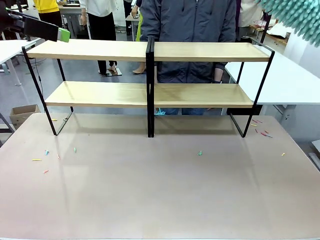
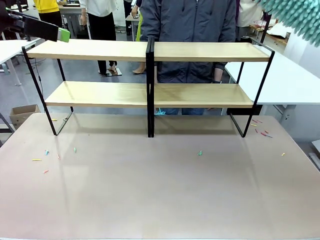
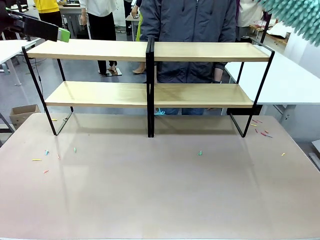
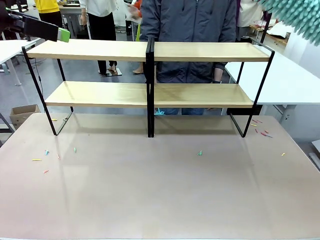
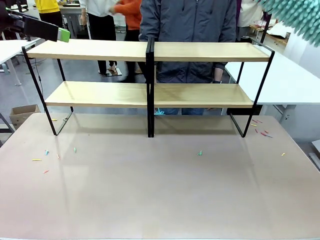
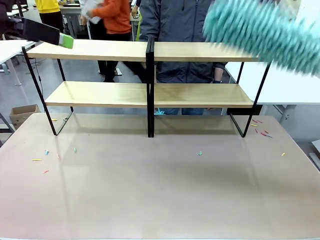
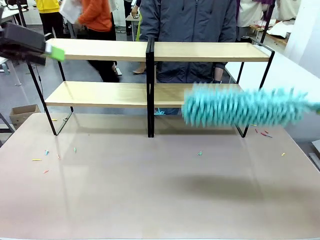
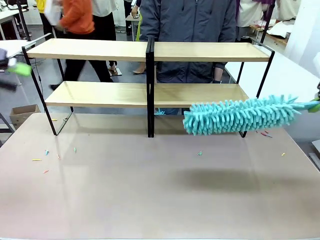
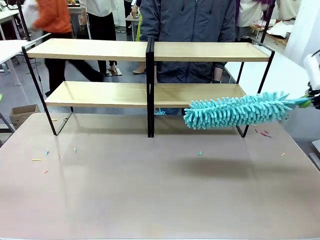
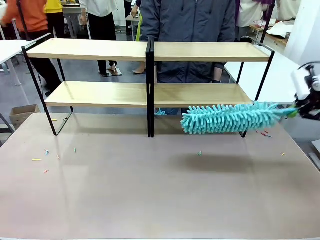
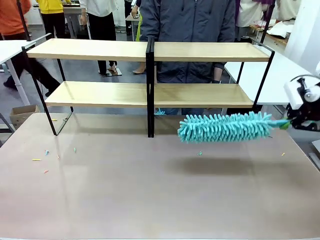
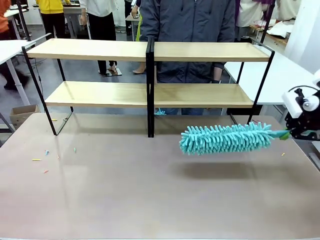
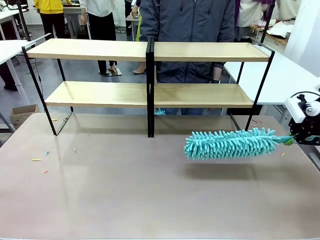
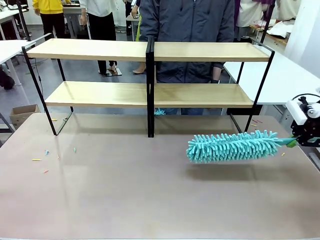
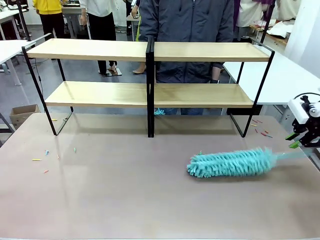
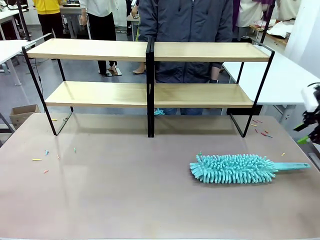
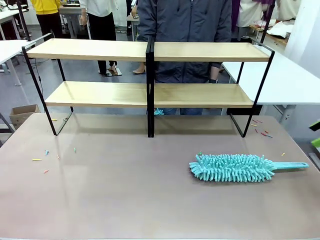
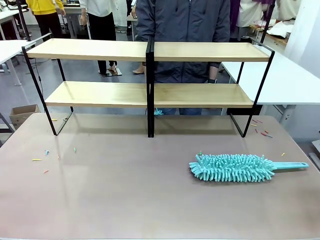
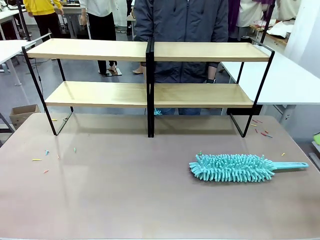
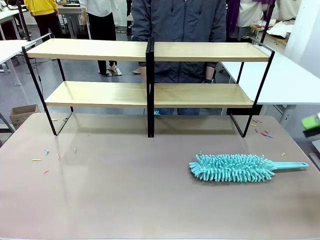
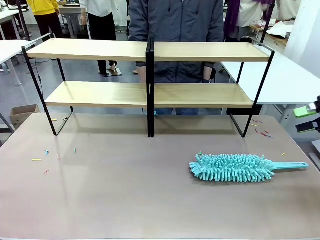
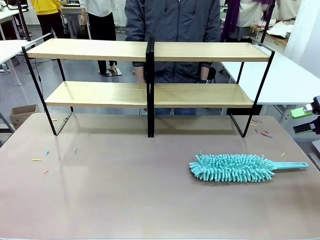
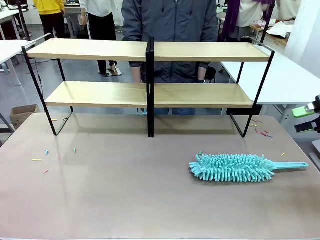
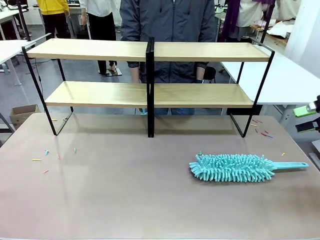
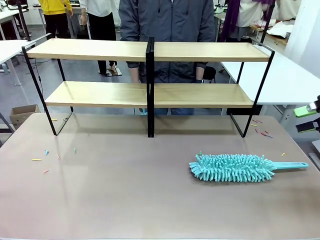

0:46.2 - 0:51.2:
Task: Clean the shelves.
Robot: Place the Duster on the table.

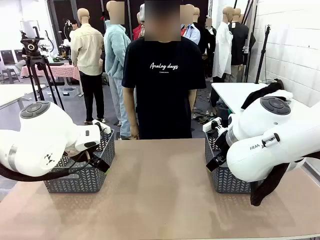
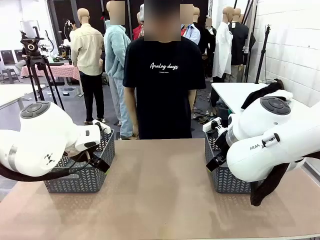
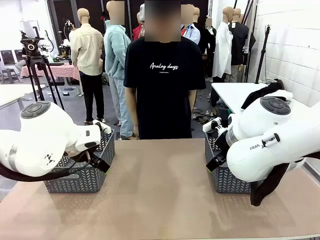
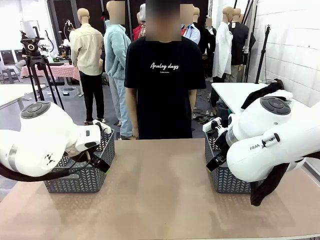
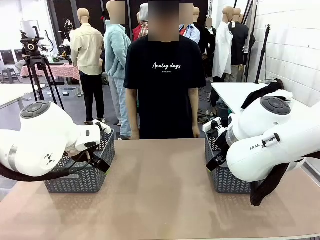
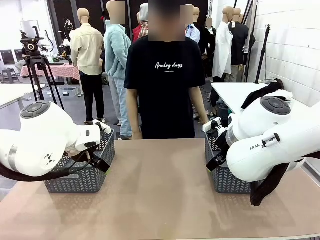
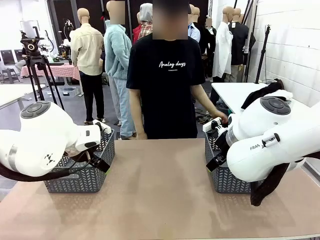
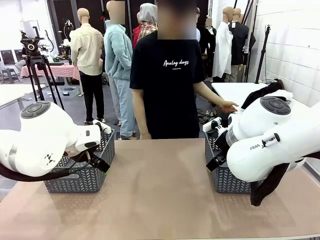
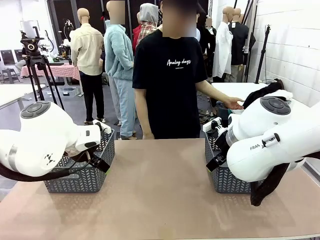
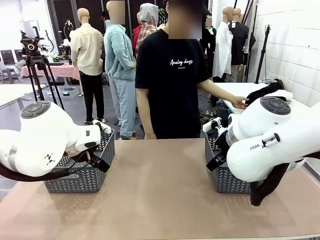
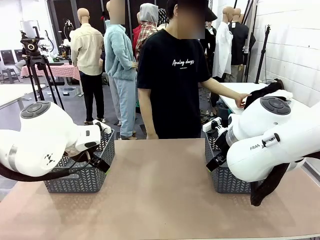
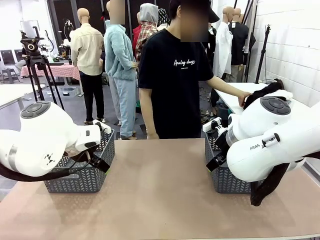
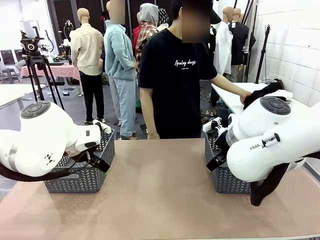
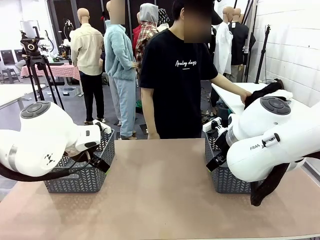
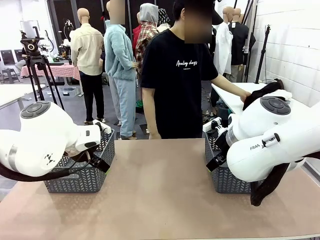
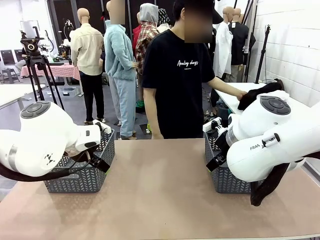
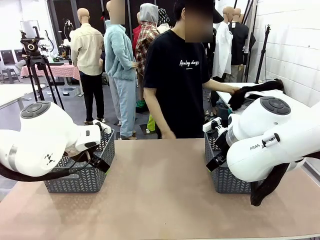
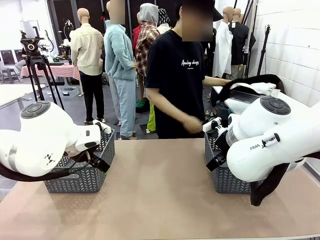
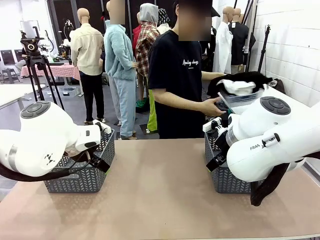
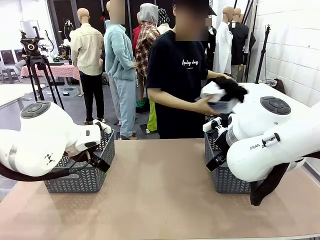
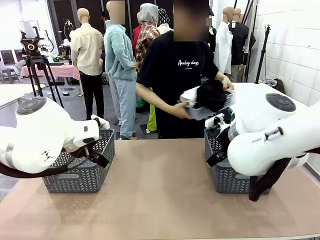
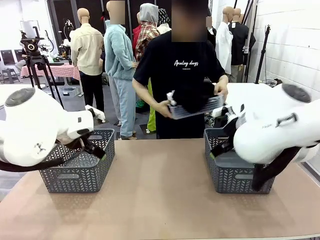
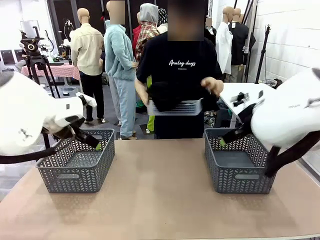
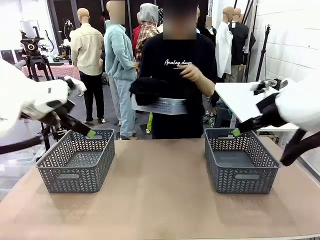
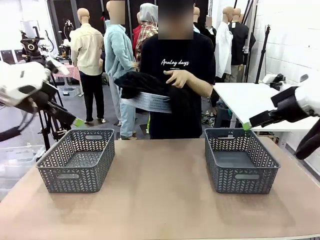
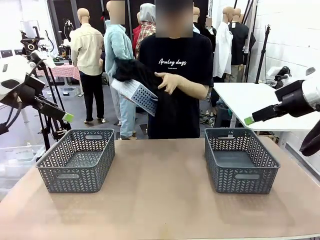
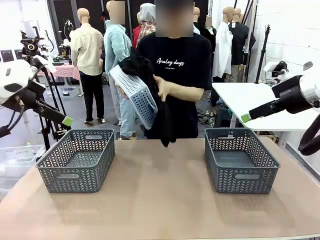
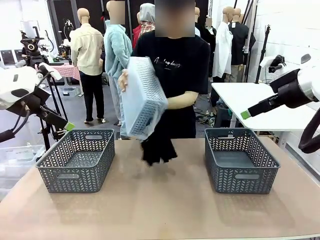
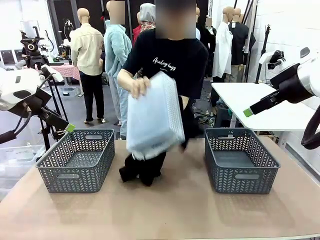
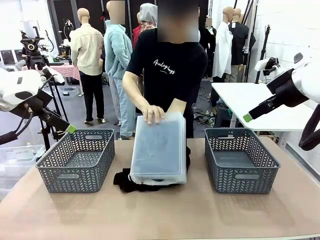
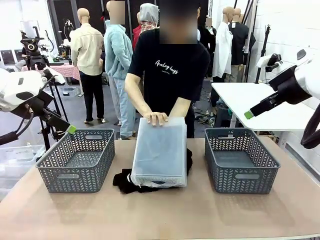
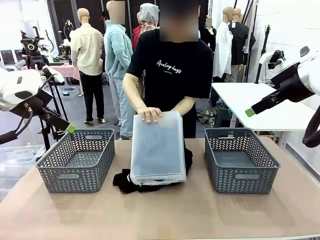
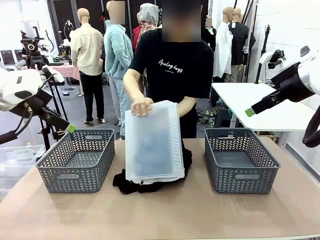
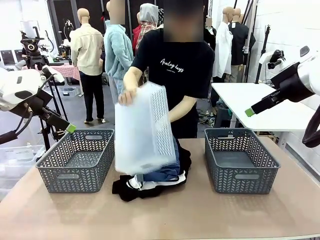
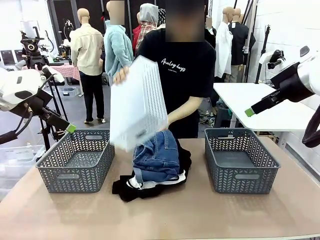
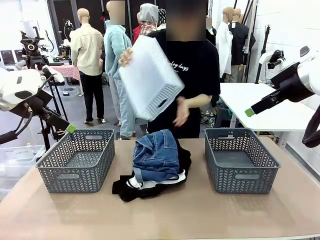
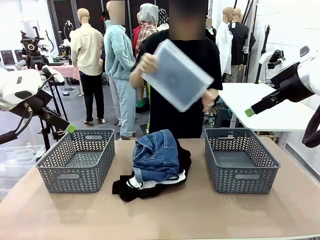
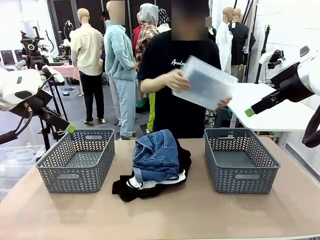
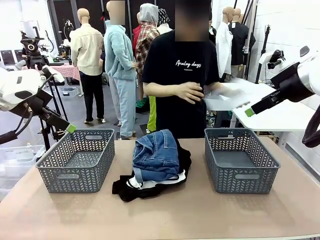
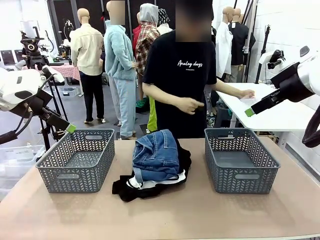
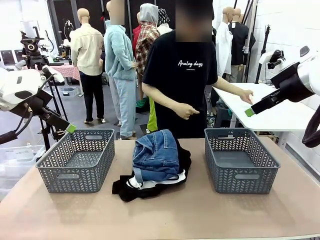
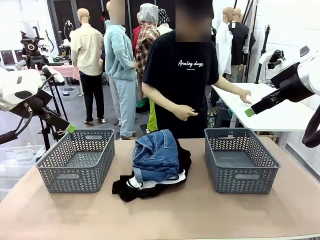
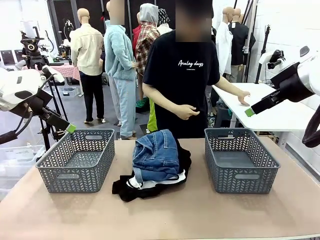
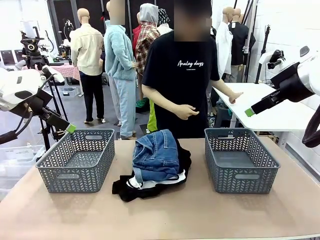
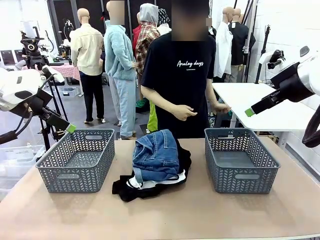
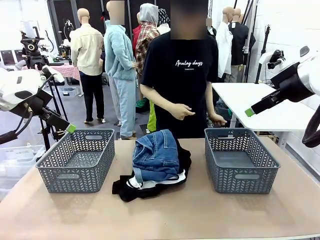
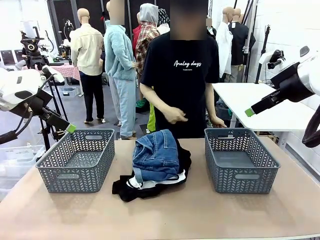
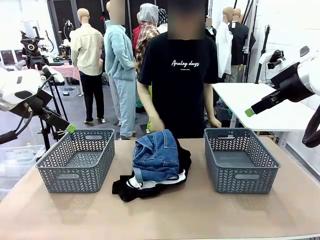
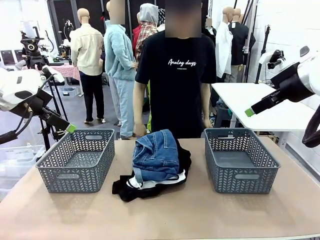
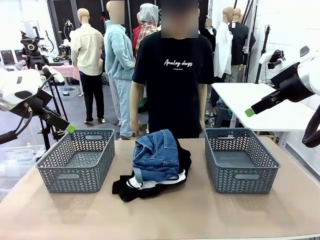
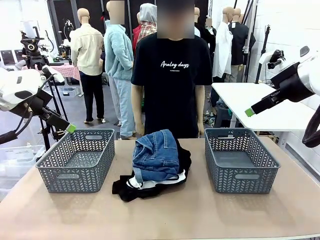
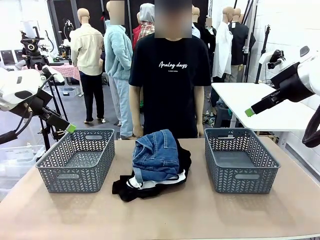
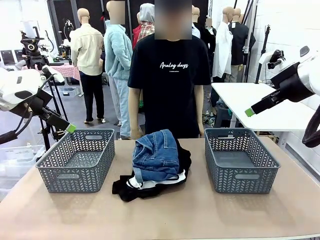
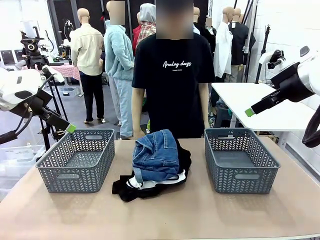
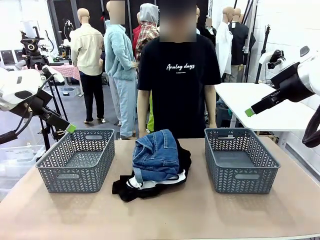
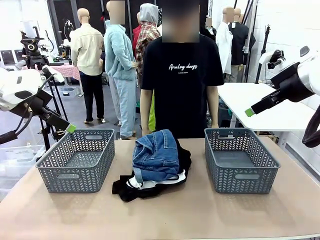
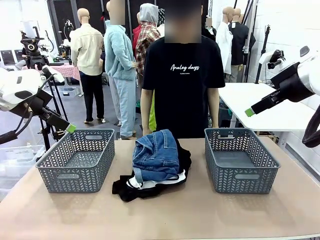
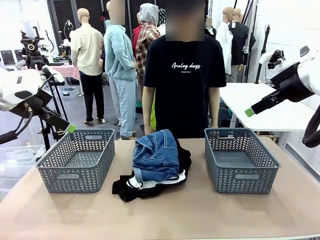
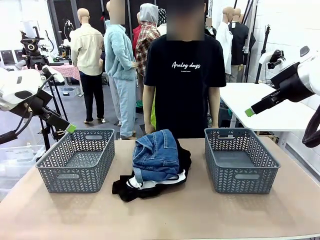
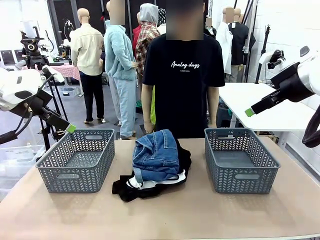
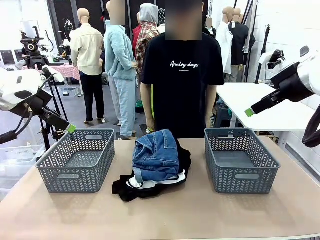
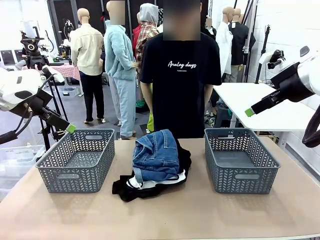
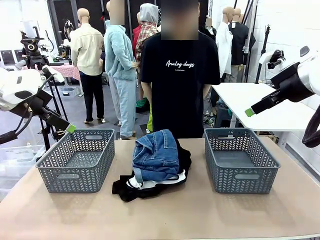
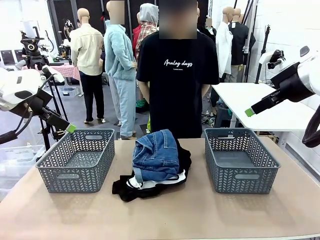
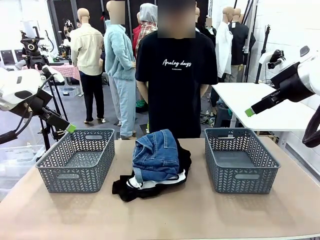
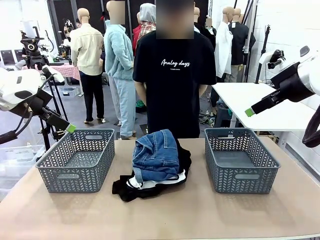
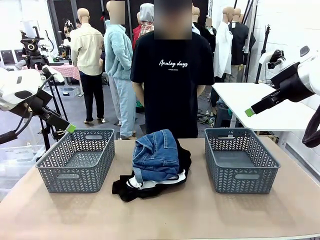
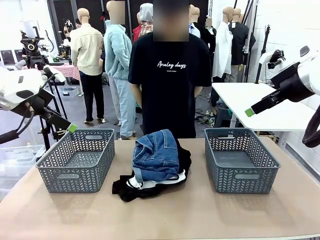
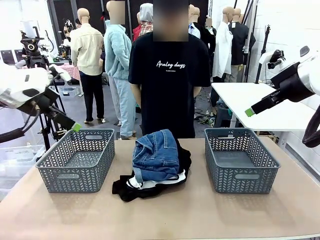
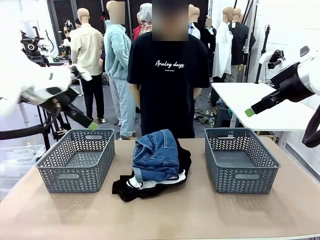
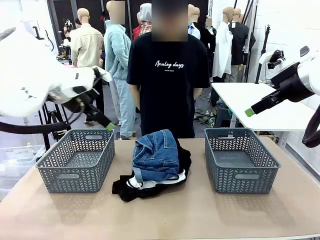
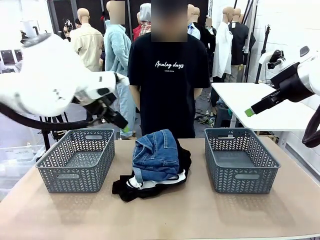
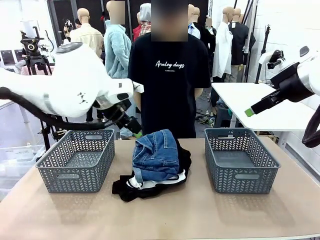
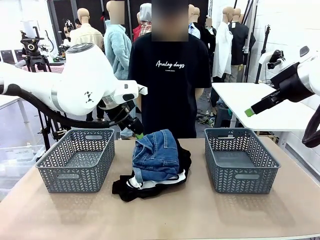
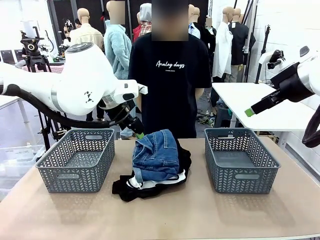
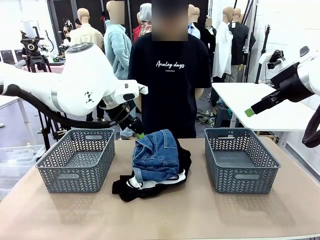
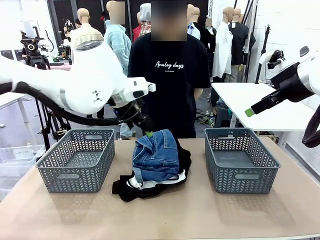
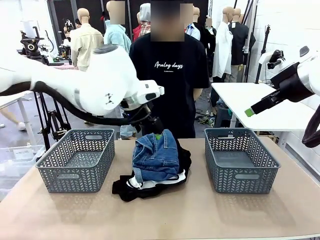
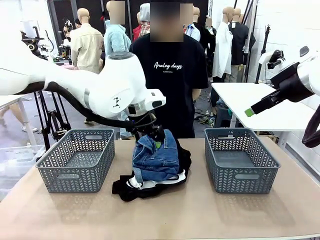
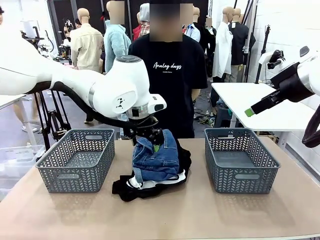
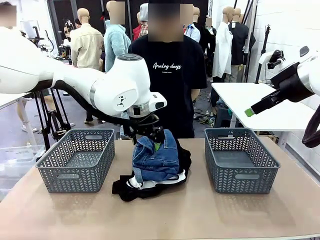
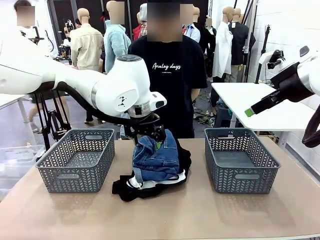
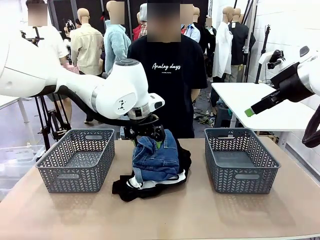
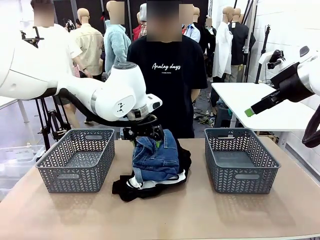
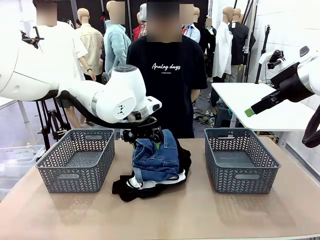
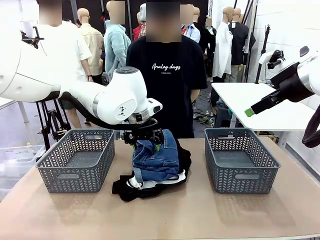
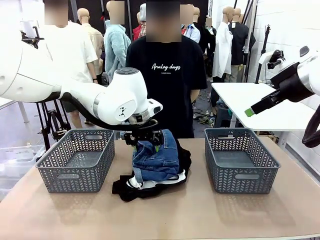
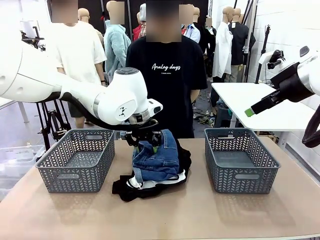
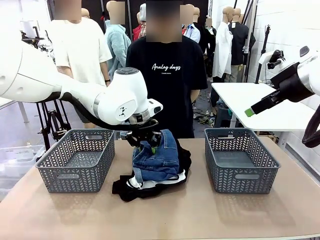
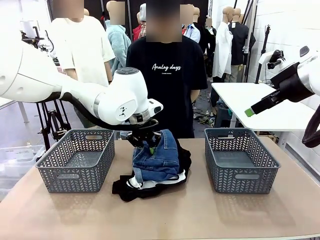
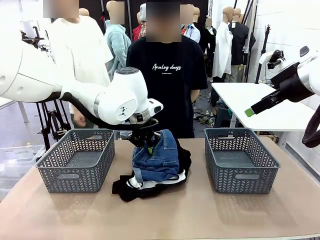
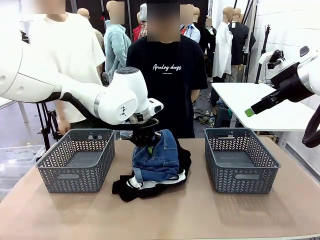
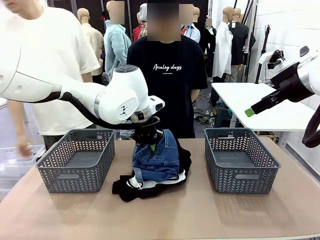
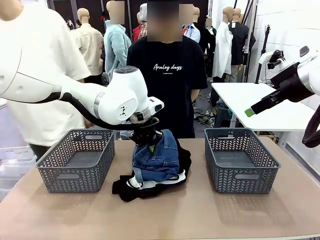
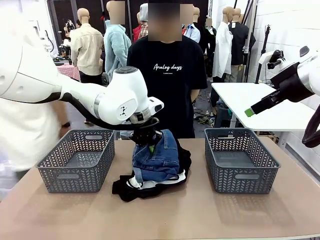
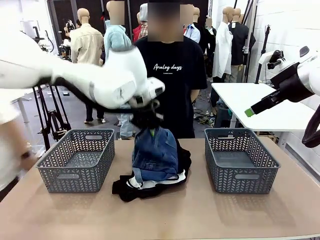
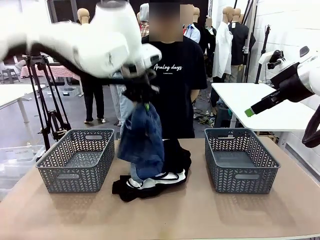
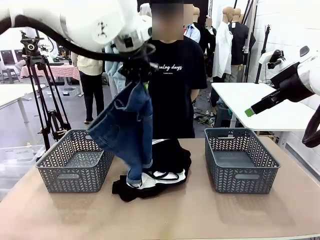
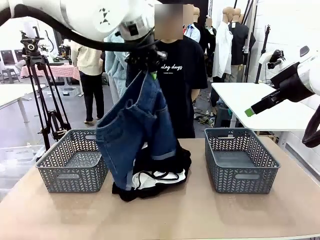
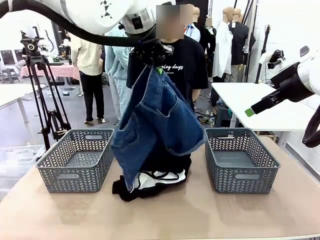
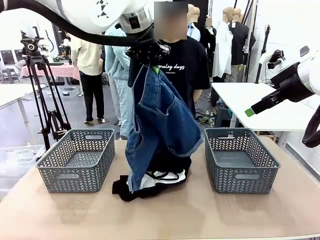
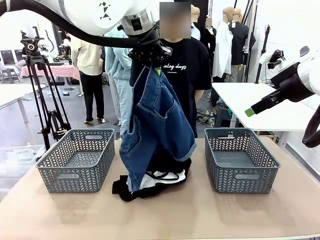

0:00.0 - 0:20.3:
Task: Sort the tops and bottoms.
Robot: Lift clothes from the center of the table with your left hand.
Person: Pour the clothes from the basket onto the center of the robot table.
